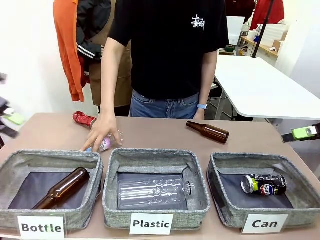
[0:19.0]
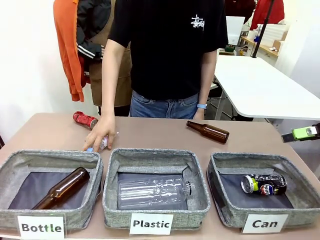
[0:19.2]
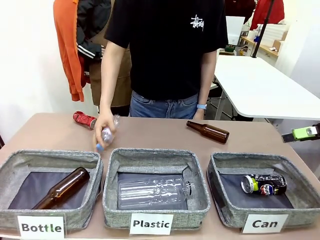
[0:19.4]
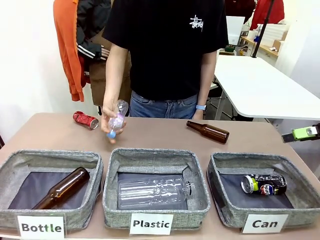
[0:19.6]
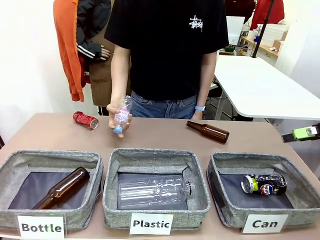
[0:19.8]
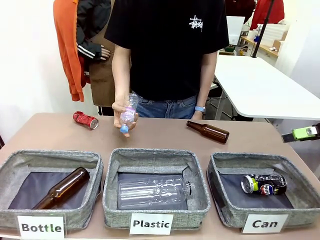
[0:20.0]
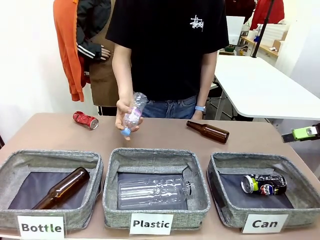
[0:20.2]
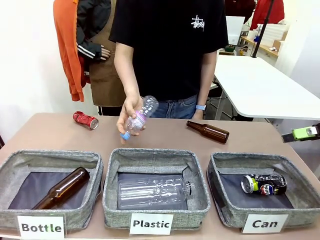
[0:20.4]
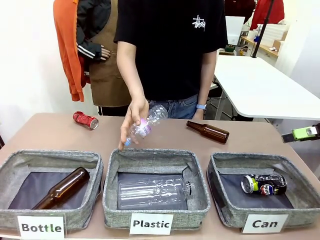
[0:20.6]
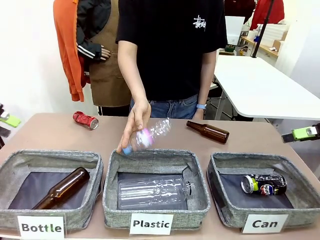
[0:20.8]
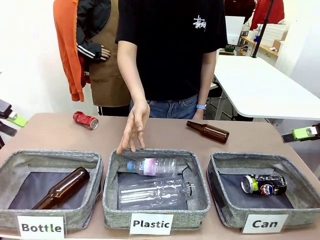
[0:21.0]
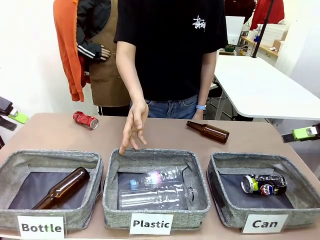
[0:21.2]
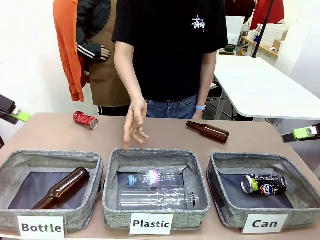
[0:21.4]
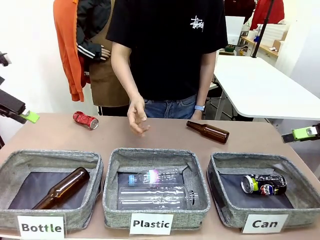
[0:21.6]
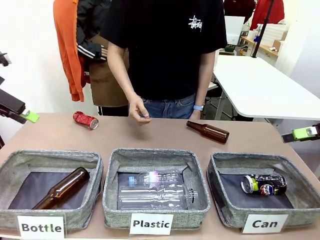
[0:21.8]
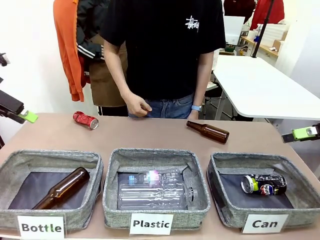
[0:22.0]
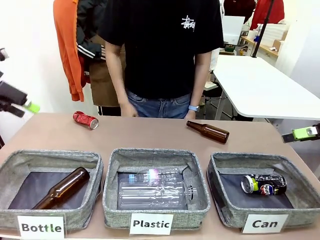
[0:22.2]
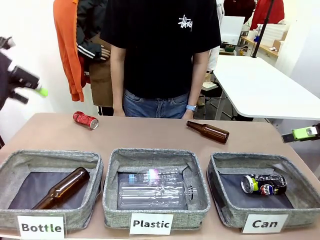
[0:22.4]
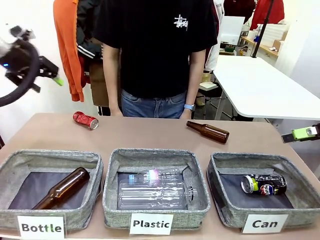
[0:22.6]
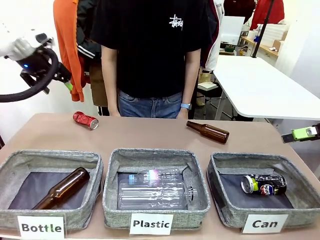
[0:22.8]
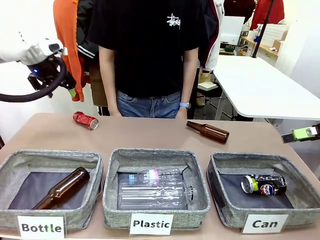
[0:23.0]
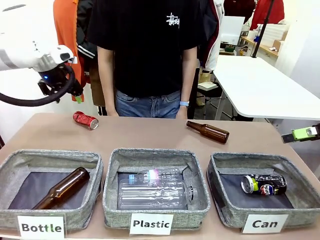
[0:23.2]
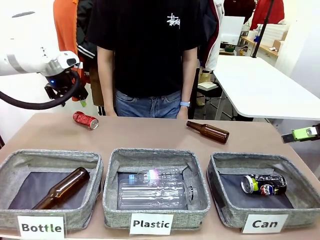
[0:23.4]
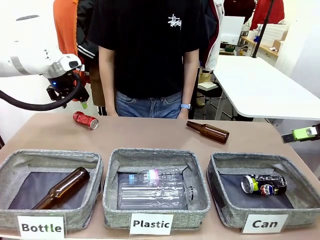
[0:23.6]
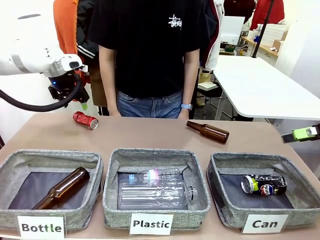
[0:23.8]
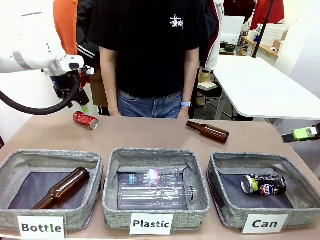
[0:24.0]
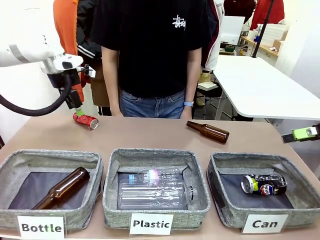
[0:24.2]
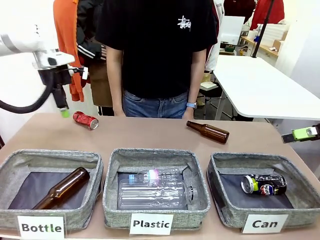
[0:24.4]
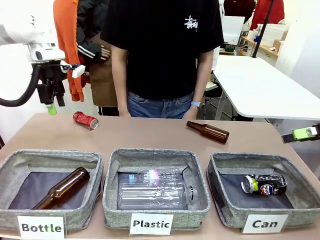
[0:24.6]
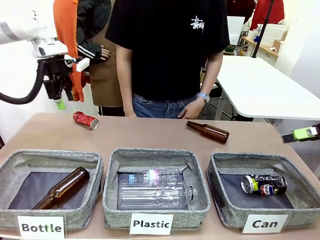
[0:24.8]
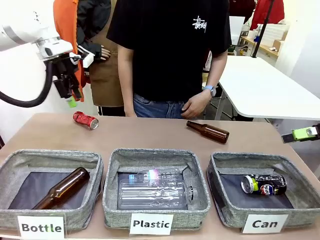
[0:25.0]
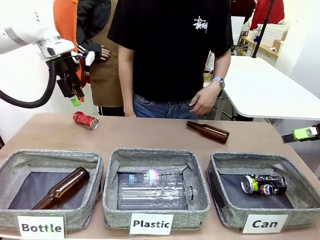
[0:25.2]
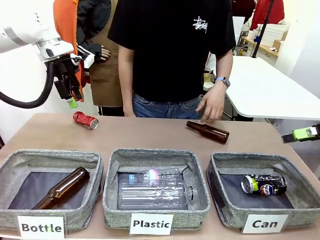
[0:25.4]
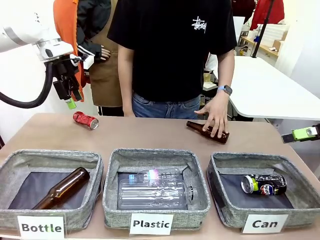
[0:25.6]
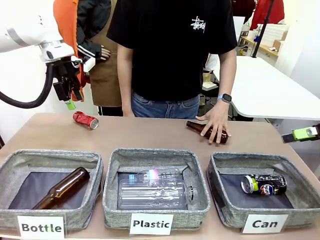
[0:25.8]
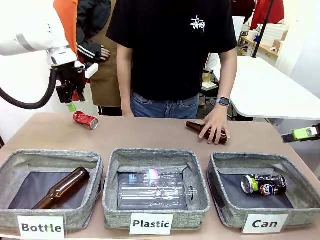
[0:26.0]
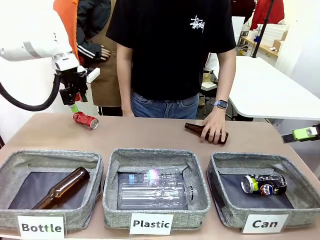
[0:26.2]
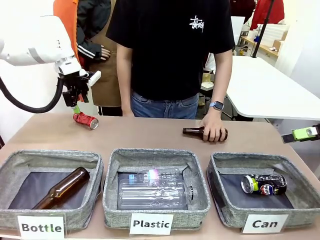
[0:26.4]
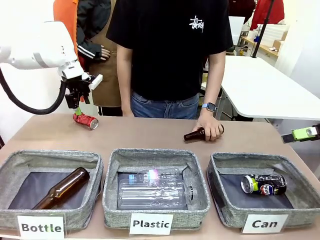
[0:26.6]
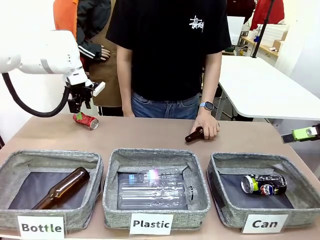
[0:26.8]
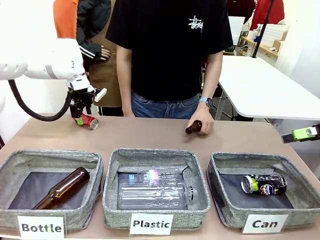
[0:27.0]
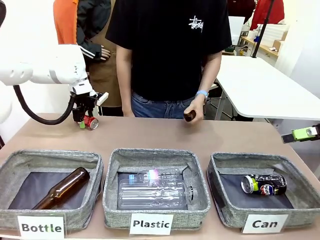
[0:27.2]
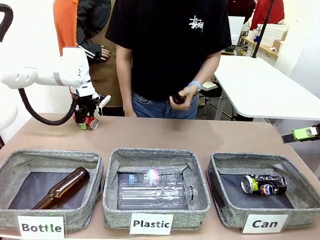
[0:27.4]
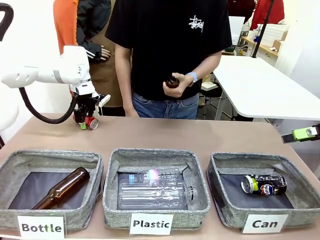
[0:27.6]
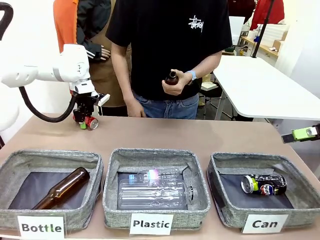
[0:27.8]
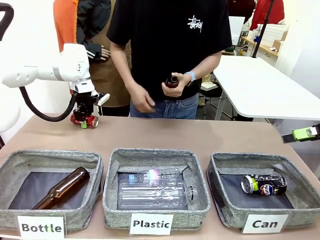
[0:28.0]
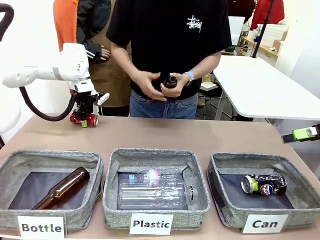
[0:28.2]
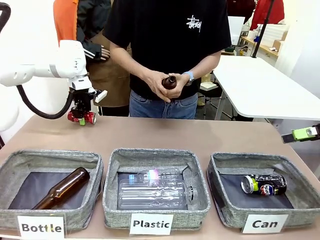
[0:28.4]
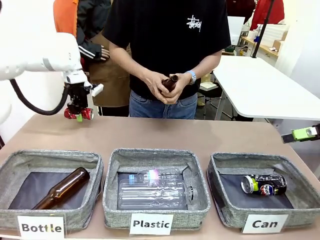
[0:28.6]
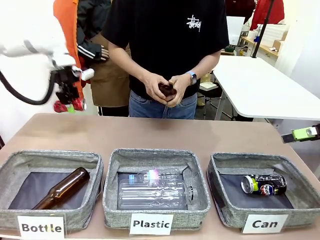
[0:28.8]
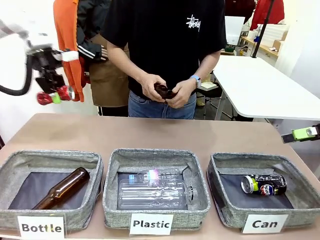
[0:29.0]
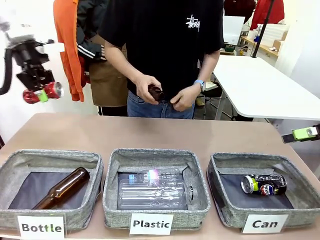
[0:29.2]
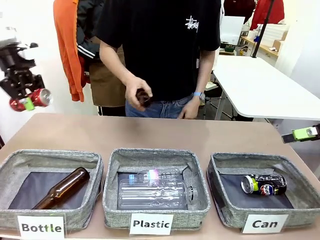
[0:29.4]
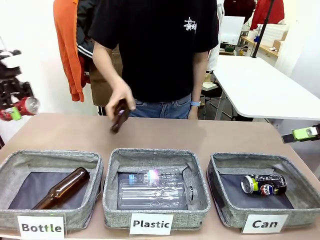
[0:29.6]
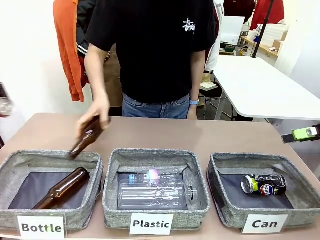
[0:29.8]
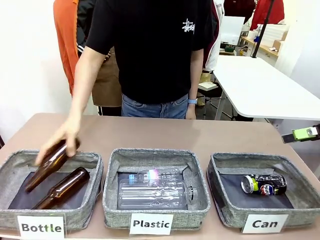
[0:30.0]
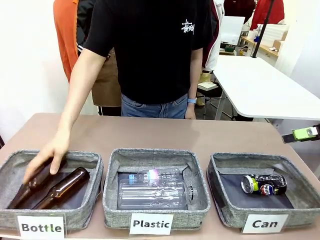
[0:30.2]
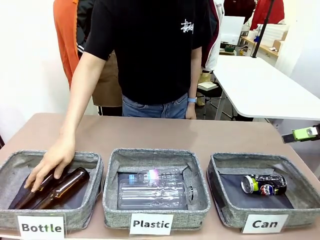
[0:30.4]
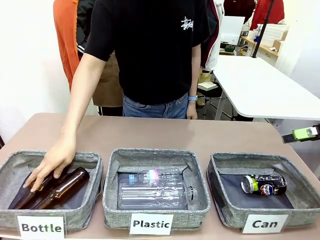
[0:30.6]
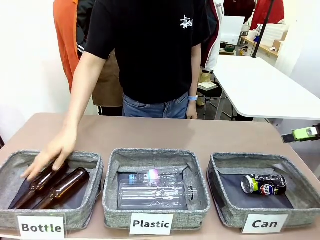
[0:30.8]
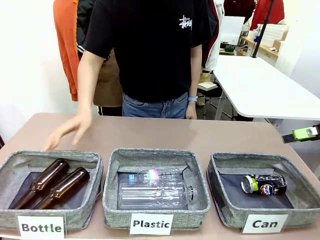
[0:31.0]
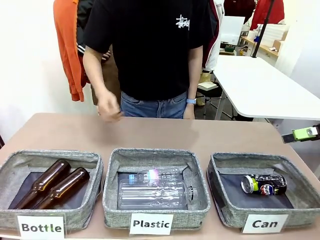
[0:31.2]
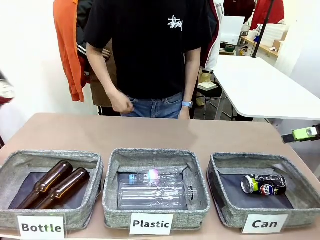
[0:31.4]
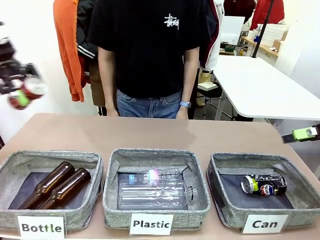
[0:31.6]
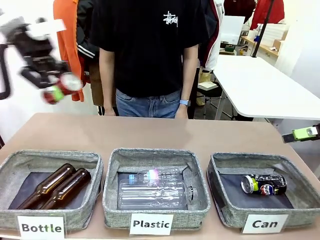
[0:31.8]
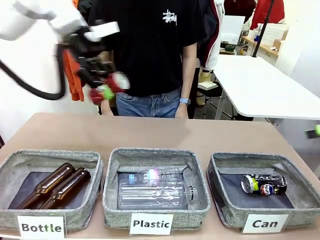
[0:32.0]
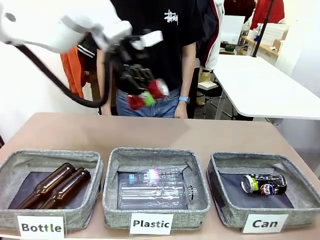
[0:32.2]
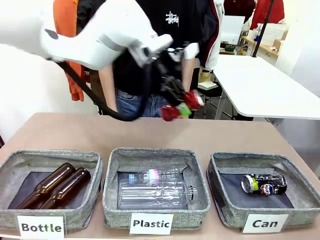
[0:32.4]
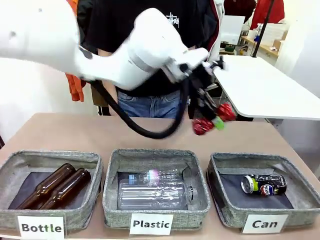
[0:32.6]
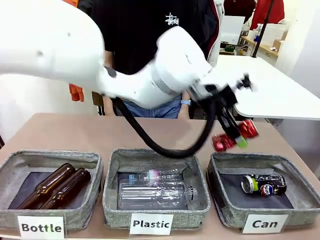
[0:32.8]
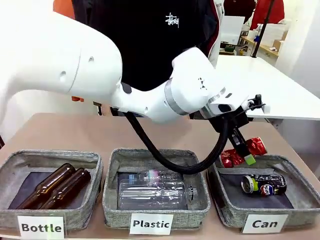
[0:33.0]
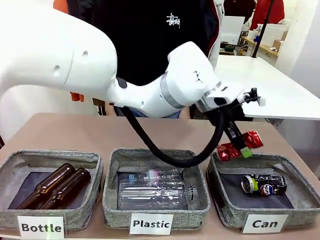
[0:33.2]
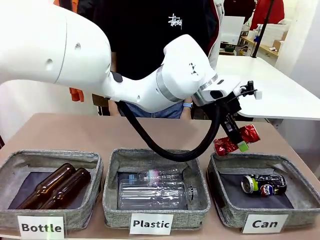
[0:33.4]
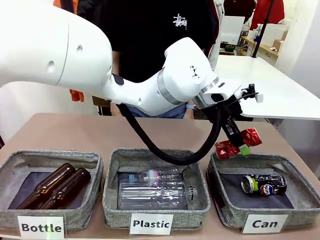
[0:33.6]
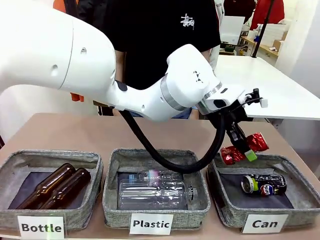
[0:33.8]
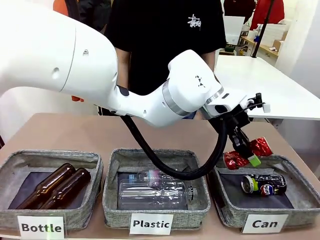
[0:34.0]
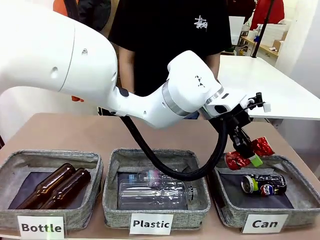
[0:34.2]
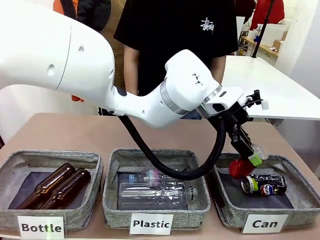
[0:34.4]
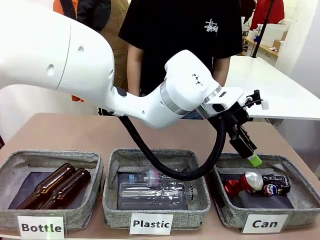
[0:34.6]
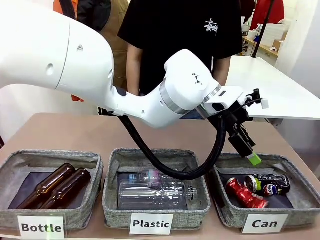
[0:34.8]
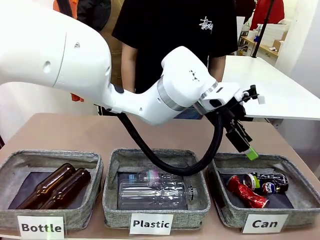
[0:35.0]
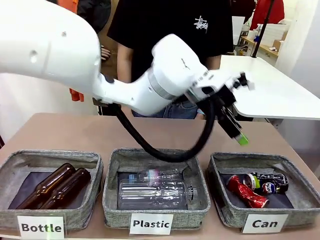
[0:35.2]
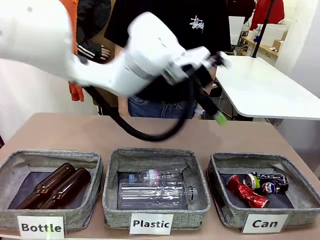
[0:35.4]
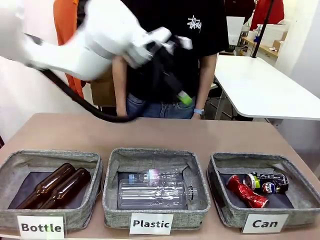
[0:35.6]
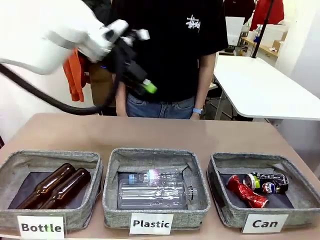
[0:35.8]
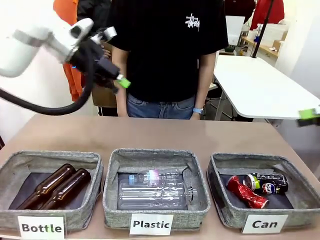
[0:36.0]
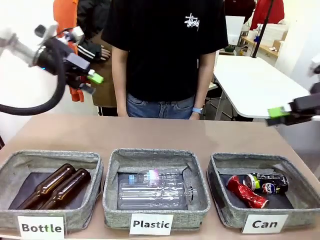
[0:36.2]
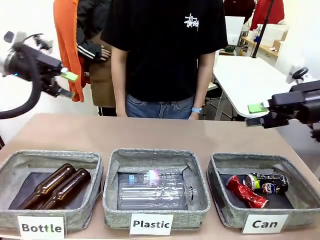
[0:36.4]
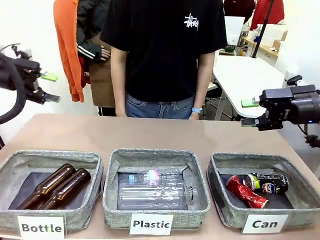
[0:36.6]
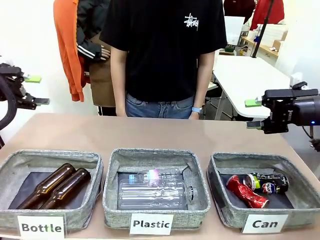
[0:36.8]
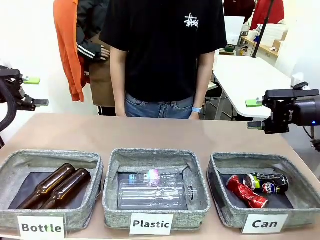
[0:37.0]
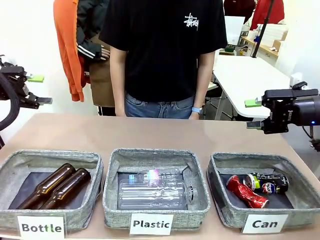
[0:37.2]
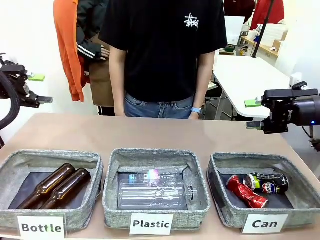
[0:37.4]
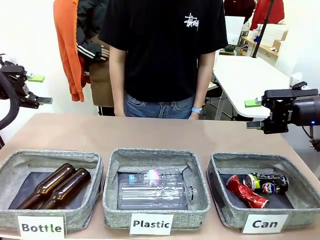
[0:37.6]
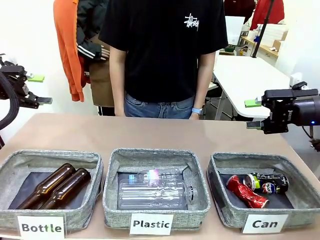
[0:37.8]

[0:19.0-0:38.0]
Task: Sort the can waste into the basket.
Robot: Pick up the can waste from the table and place it in the right Fabric basket.
